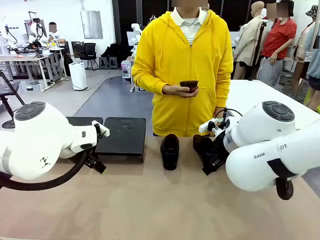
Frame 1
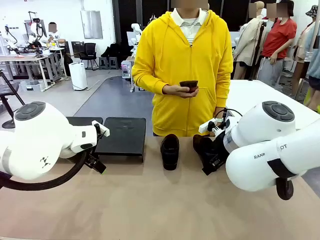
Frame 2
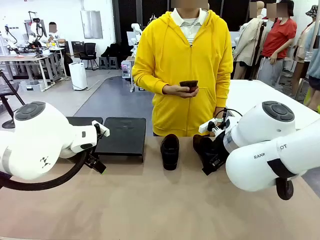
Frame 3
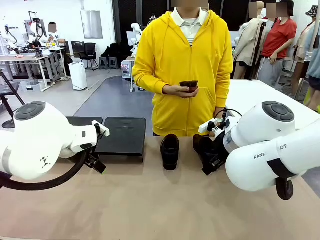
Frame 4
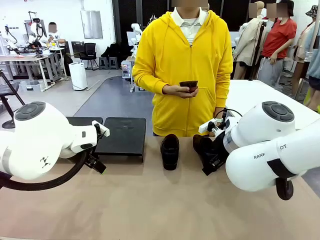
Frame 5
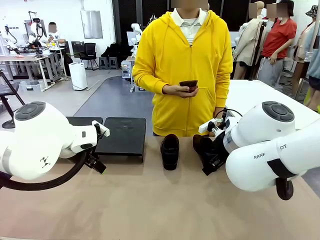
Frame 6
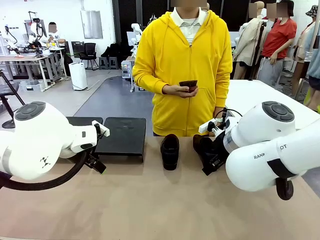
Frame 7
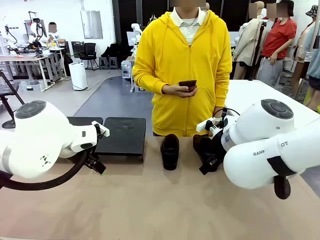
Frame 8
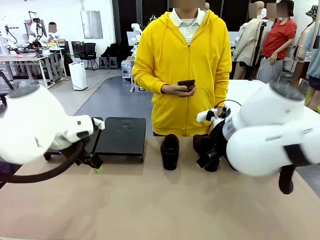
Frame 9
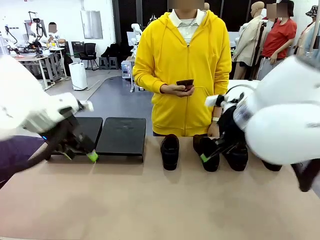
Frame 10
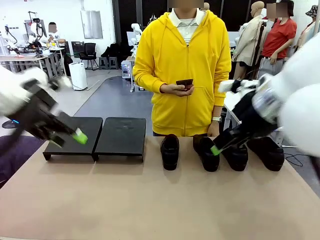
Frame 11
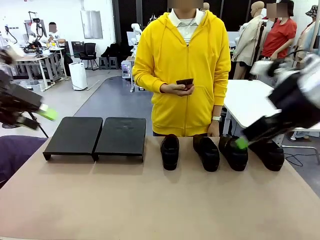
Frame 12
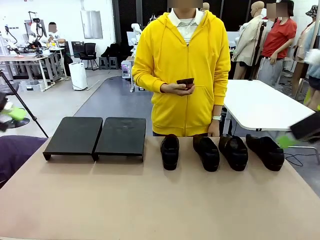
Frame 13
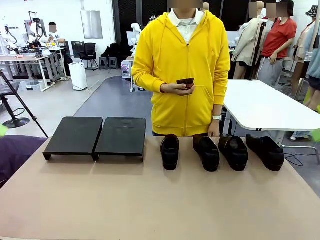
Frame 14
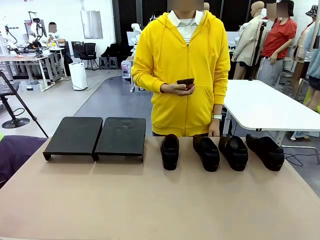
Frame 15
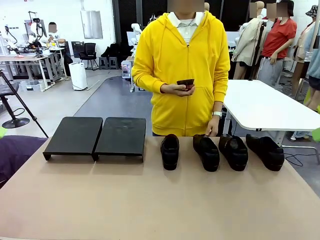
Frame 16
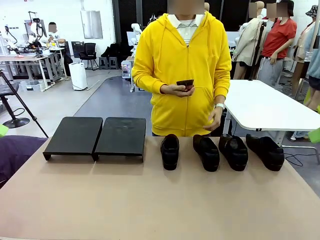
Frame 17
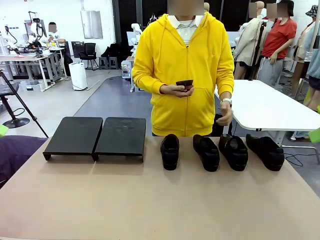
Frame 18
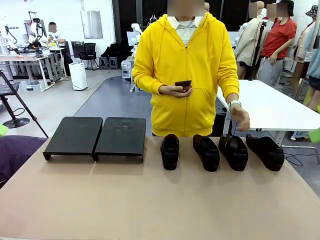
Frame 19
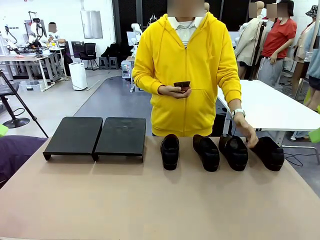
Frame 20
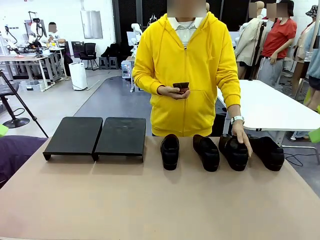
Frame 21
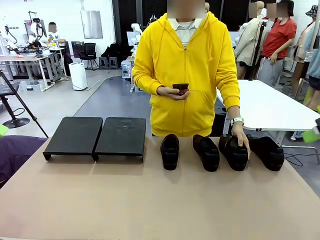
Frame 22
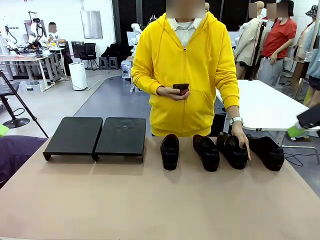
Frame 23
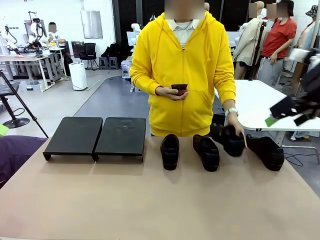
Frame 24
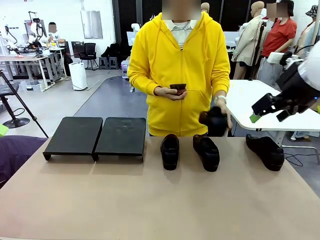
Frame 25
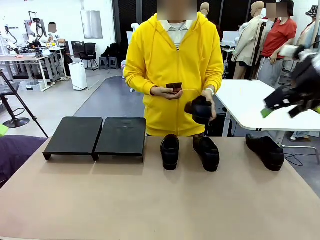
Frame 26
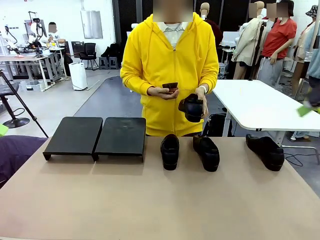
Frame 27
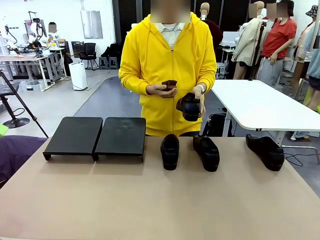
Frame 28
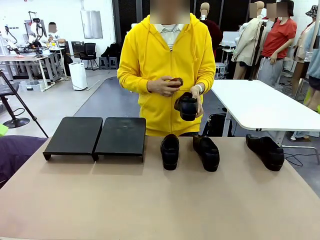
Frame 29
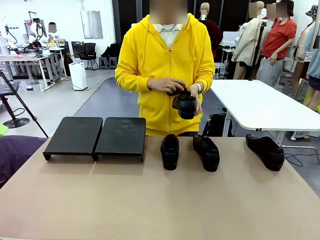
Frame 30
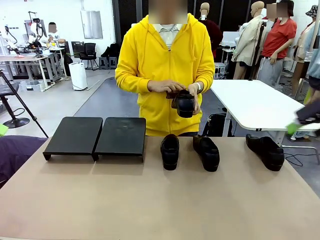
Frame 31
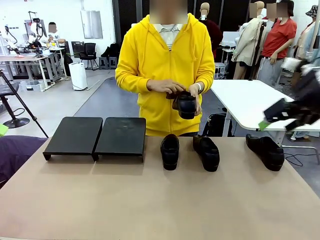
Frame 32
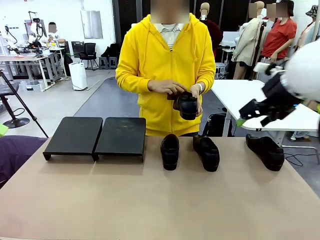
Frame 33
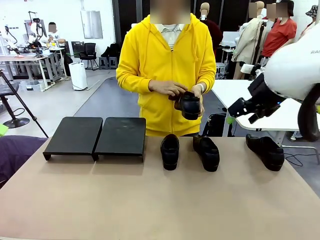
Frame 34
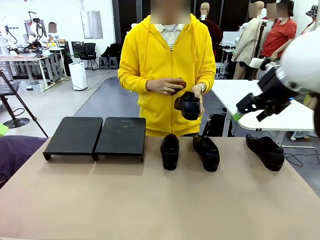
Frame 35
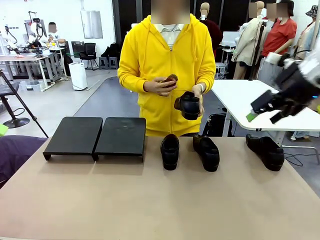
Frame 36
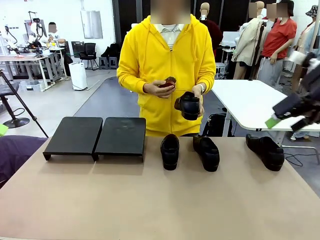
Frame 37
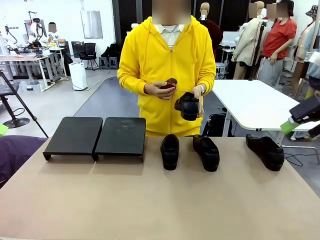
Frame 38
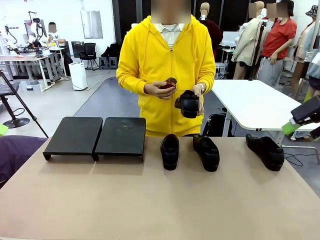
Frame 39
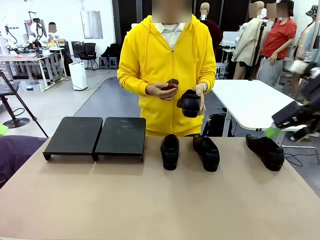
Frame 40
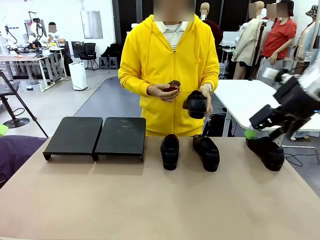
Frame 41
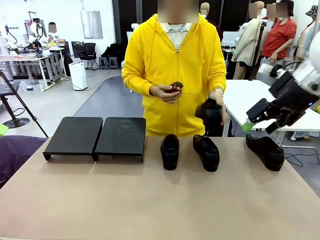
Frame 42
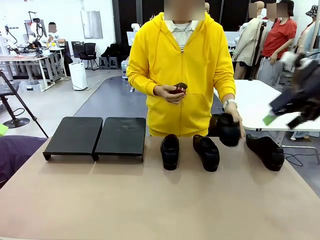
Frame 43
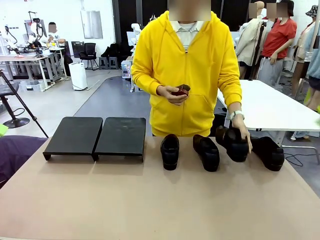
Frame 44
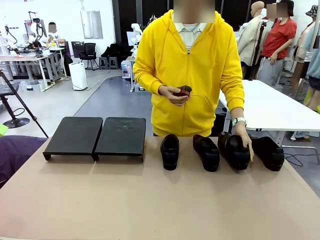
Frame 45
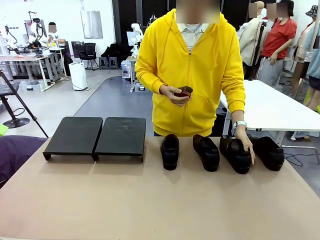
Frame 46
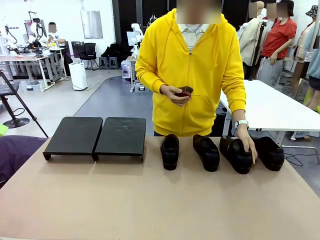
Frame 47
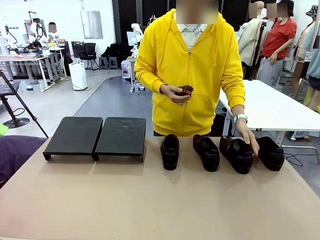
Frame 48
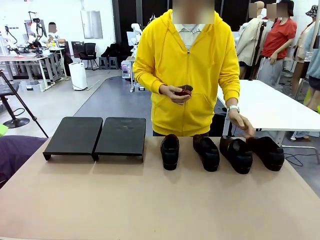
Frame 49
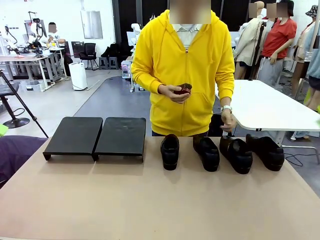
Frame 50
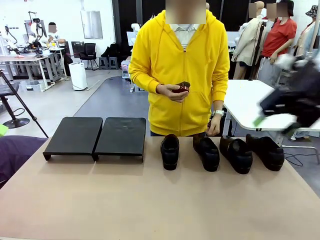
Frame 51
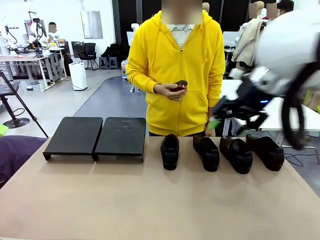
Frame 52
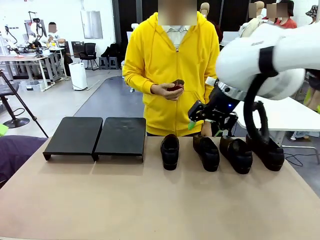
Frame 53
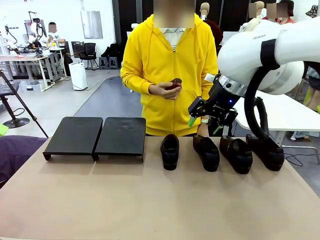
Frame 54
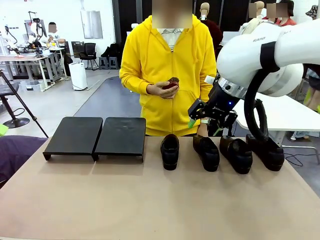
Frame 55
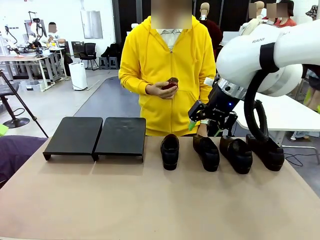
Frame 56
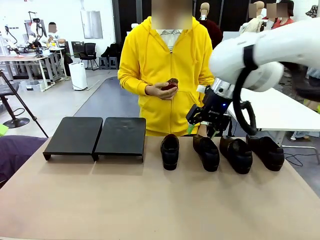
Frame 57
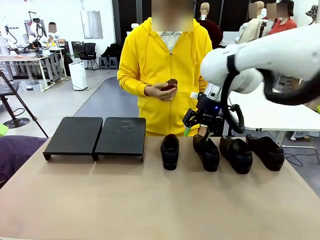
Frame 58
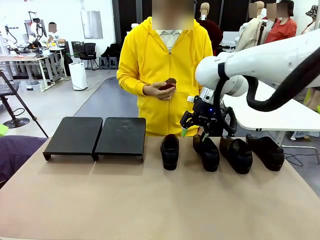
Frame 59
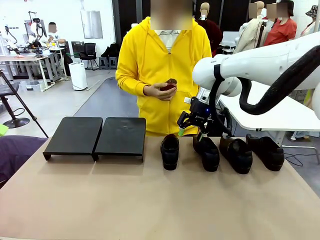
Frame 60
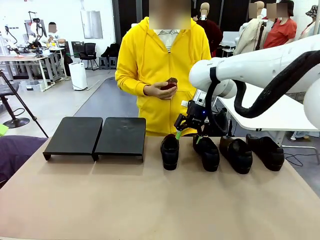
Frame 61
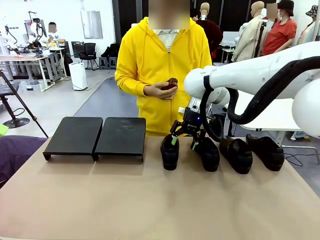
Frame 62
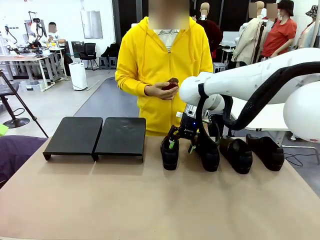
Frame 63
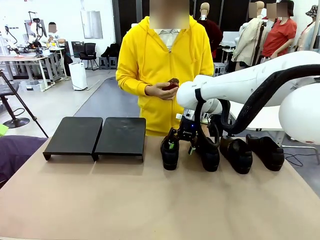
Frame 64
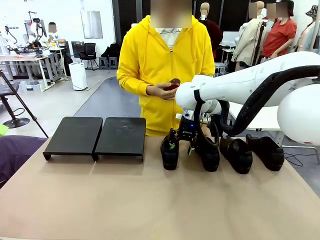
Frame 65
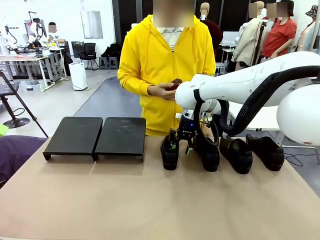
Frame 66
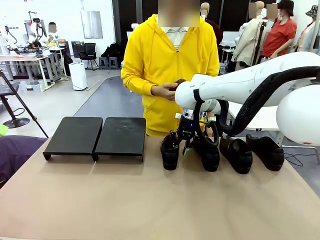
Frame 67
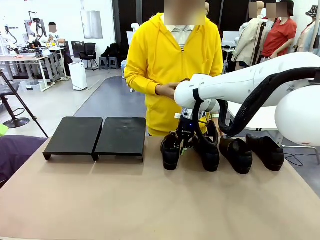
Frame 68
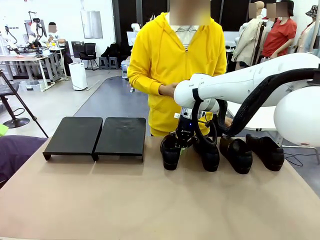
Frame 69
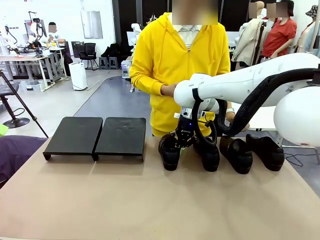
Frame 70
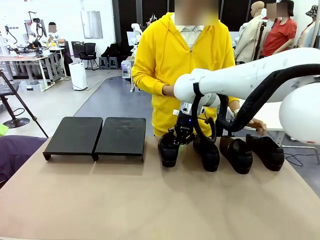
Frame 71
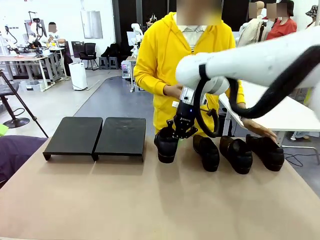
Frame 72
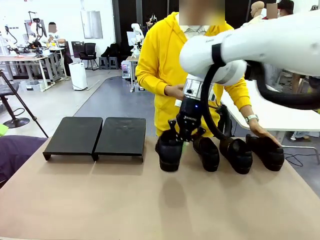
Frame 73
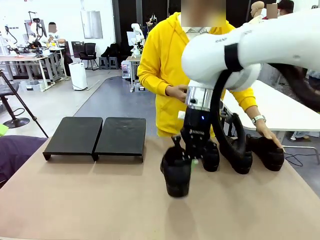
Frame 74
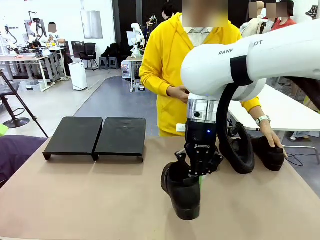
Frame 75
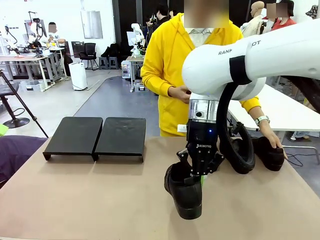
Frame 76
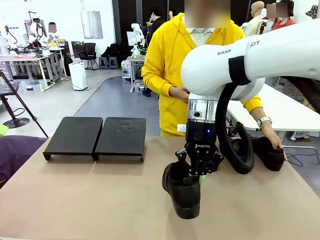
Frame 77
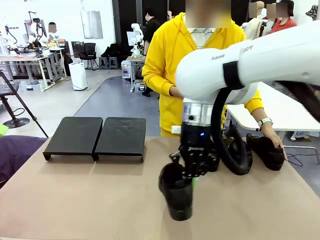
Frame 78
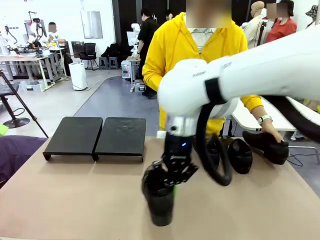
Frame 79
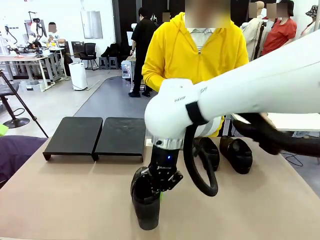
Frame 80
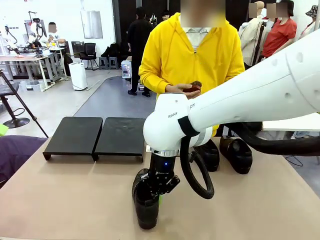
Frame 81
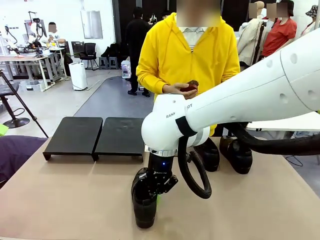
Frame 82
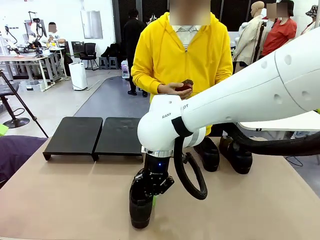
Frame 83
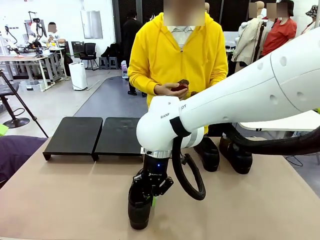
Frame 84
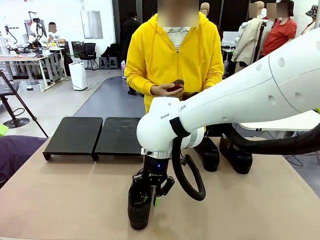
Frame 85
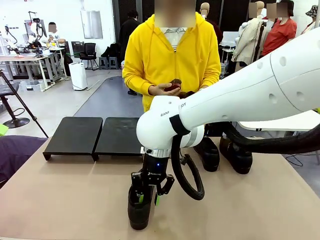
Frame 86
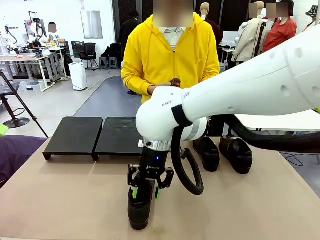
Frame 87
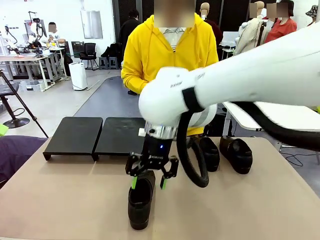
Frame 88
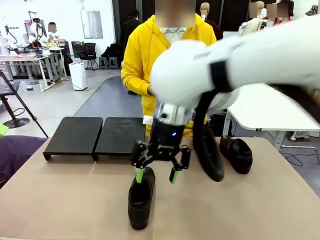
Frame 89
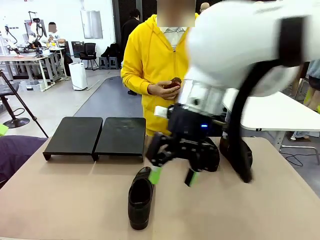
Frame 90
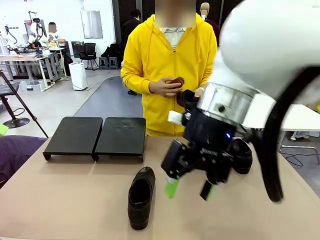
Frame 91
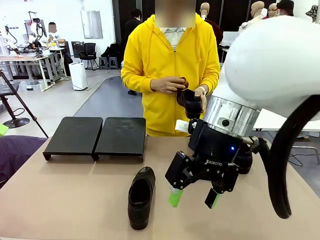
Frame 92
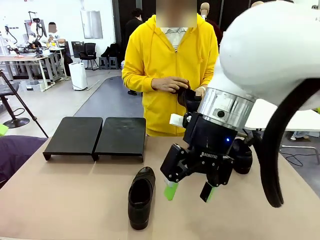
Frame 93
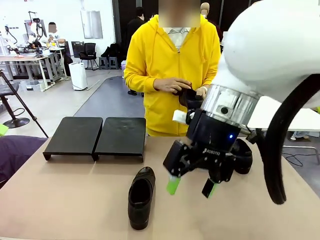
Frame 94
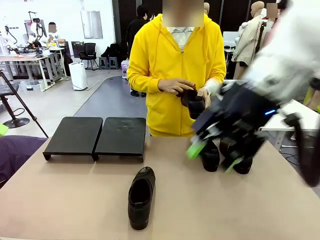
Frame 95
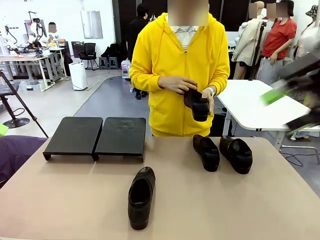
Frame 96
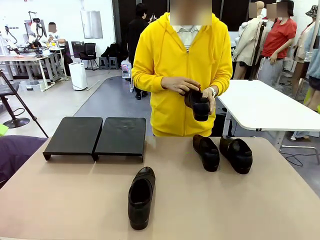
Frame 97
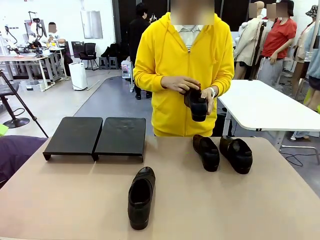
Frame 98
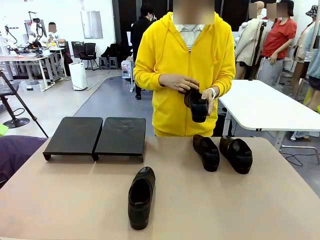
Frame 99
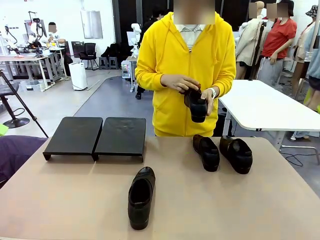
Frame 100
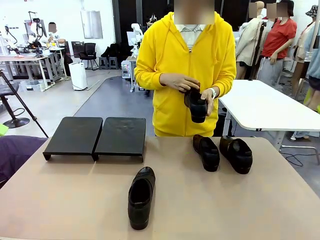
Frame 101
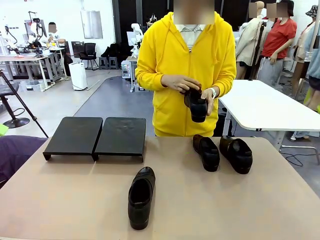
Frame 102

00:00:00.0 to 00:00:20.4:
Task: Organize the shoes by placing them on the stand.
Robot: Pick up one Shoe and place it in the middle of the table.
Person: Pick one Shoe on Robot's table. Clean the Shoe with the Shoe Brush. Place the Shoe on left side of the Robot's table. Pick one Shoe on Robot's table.
